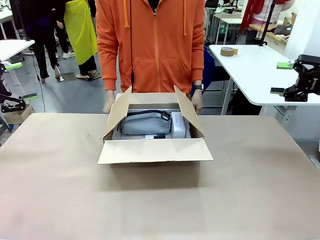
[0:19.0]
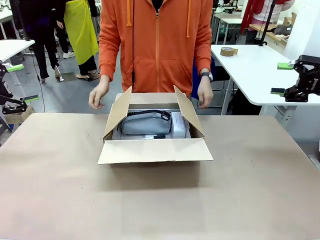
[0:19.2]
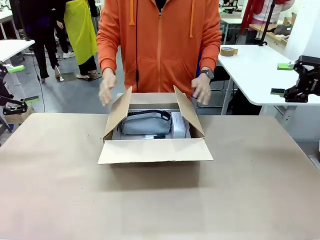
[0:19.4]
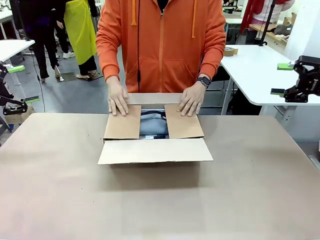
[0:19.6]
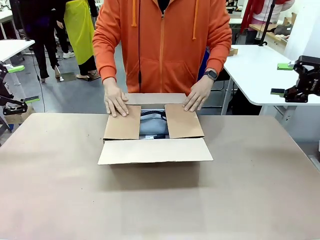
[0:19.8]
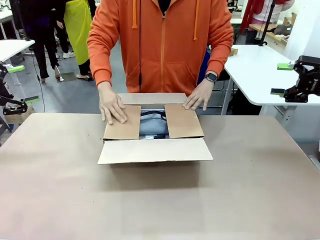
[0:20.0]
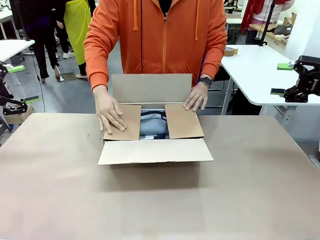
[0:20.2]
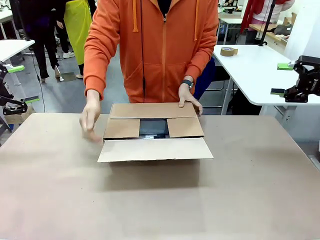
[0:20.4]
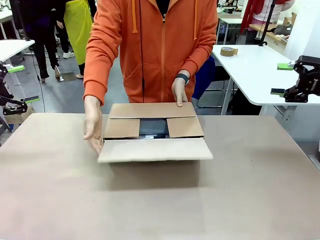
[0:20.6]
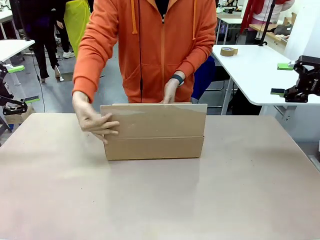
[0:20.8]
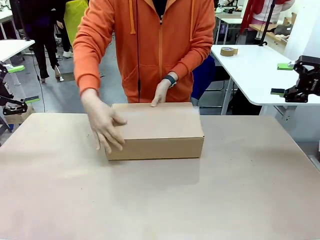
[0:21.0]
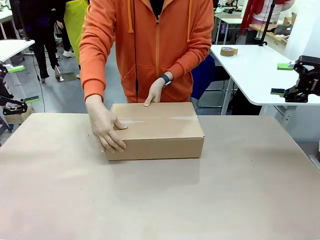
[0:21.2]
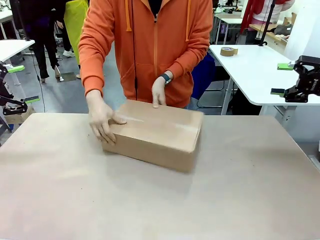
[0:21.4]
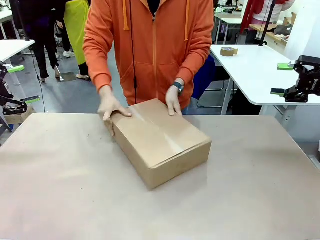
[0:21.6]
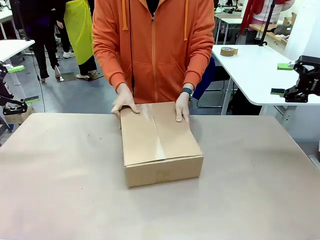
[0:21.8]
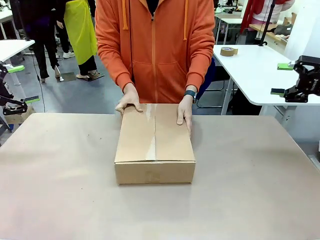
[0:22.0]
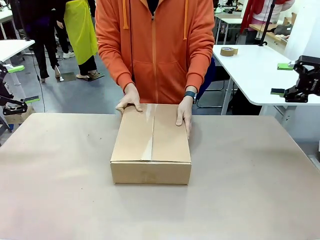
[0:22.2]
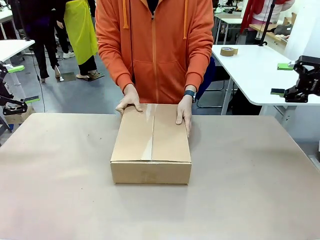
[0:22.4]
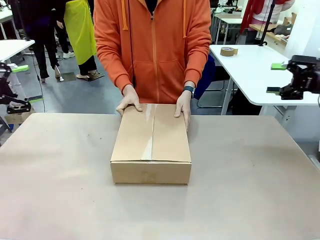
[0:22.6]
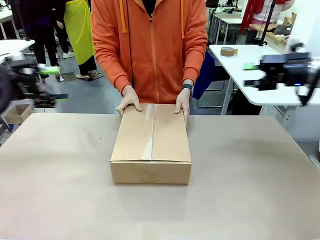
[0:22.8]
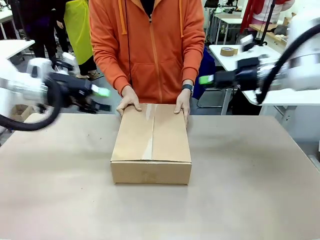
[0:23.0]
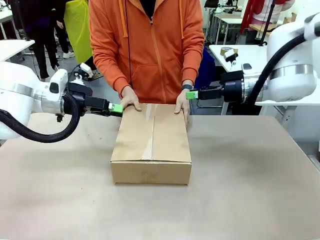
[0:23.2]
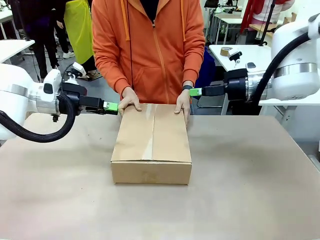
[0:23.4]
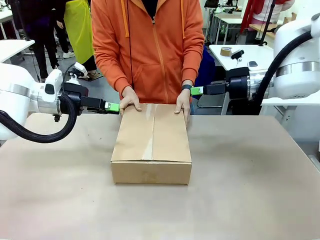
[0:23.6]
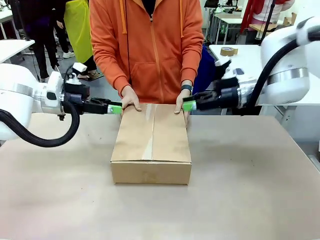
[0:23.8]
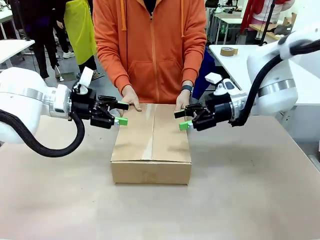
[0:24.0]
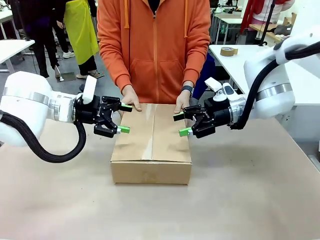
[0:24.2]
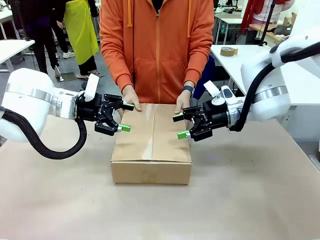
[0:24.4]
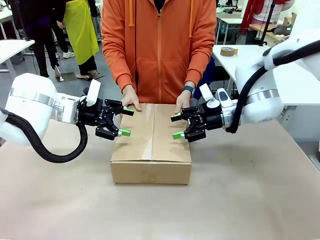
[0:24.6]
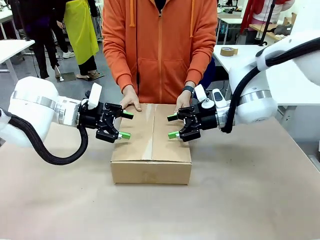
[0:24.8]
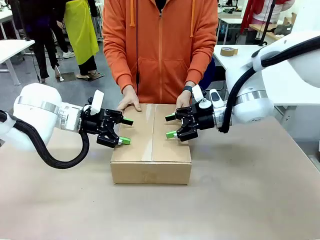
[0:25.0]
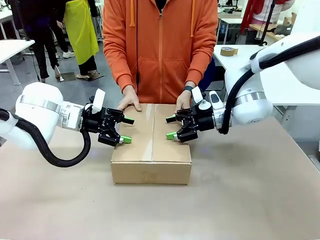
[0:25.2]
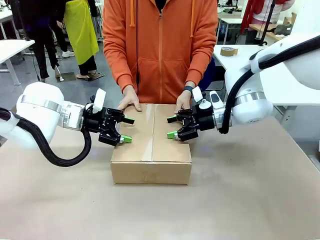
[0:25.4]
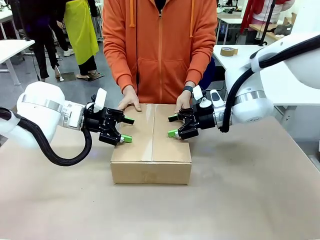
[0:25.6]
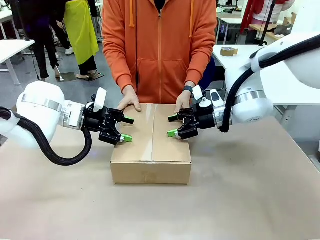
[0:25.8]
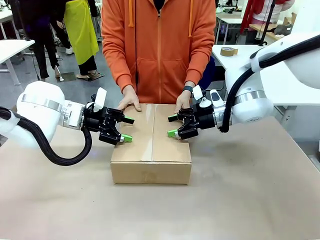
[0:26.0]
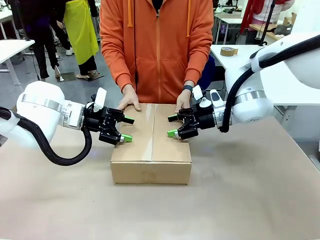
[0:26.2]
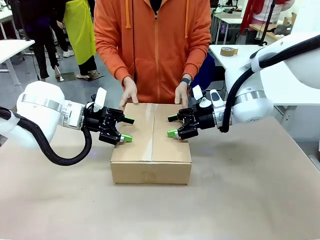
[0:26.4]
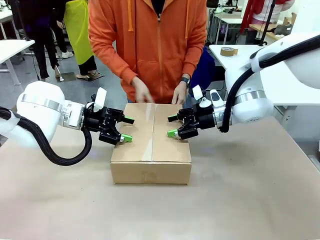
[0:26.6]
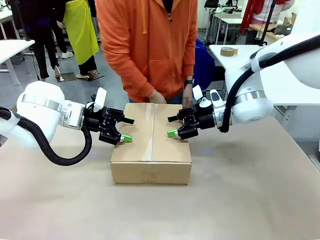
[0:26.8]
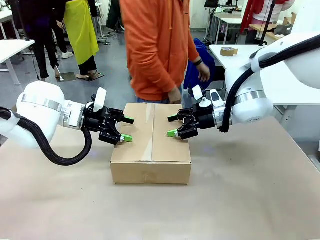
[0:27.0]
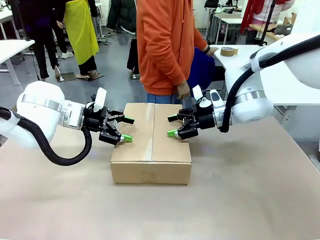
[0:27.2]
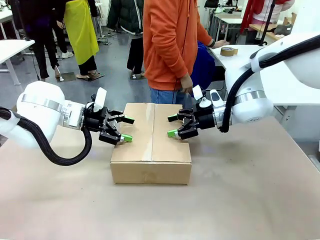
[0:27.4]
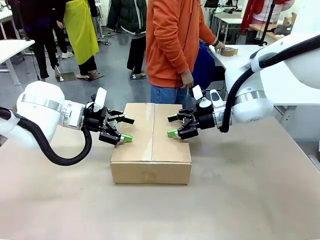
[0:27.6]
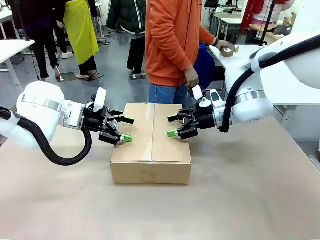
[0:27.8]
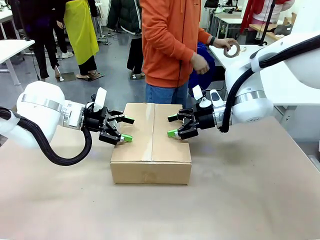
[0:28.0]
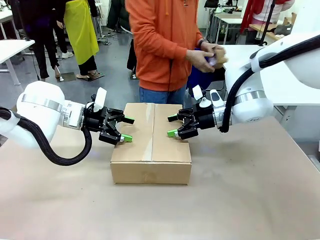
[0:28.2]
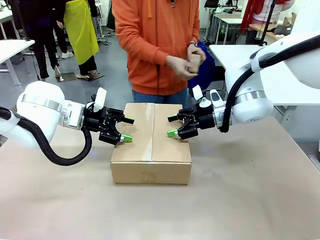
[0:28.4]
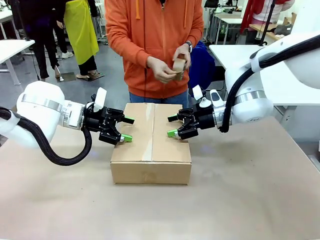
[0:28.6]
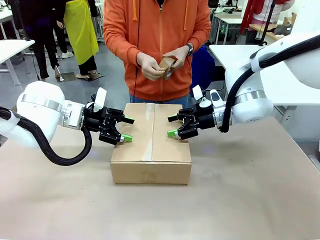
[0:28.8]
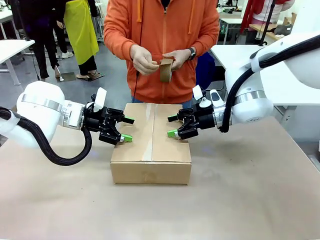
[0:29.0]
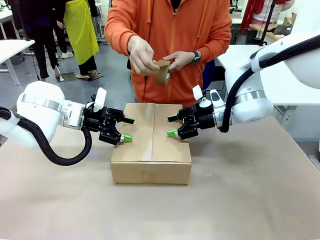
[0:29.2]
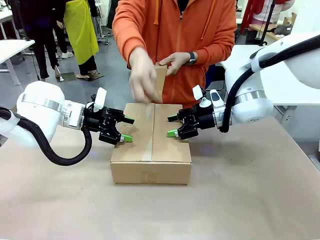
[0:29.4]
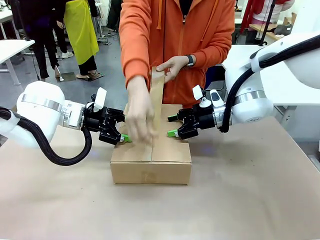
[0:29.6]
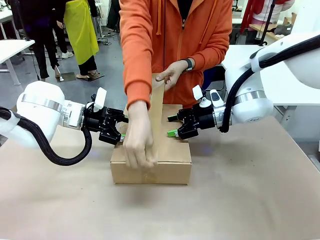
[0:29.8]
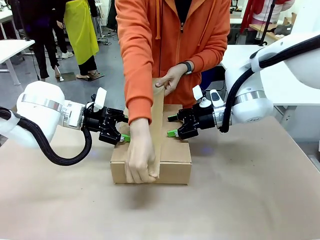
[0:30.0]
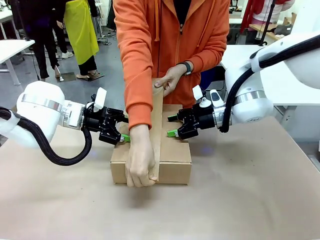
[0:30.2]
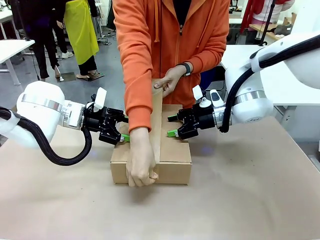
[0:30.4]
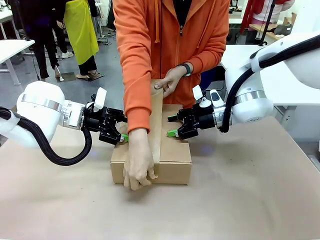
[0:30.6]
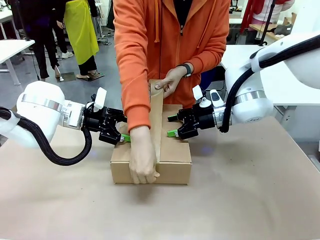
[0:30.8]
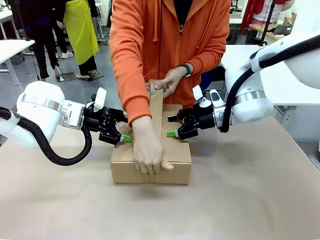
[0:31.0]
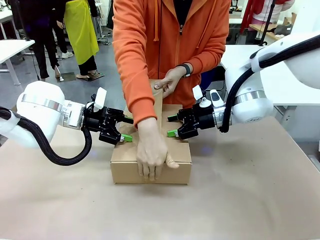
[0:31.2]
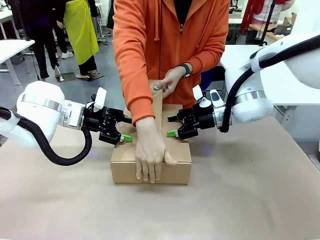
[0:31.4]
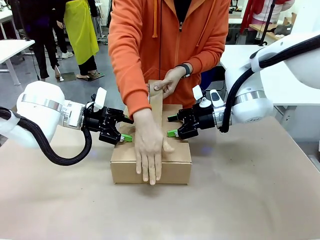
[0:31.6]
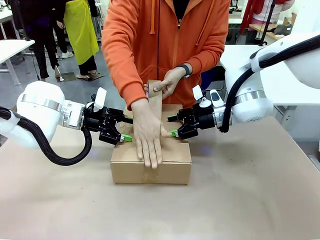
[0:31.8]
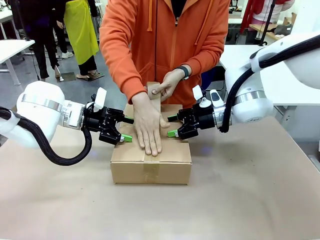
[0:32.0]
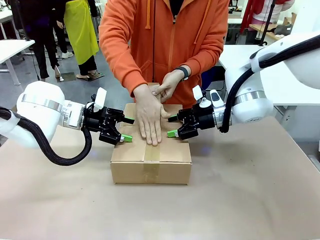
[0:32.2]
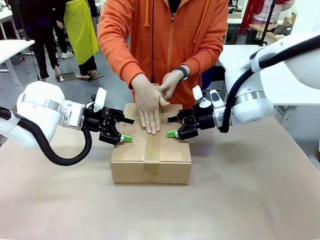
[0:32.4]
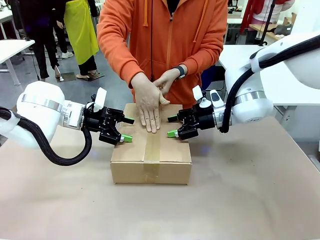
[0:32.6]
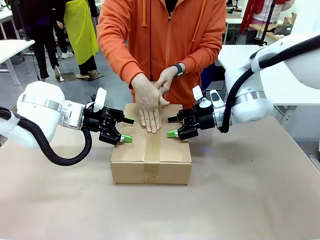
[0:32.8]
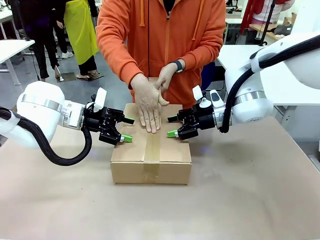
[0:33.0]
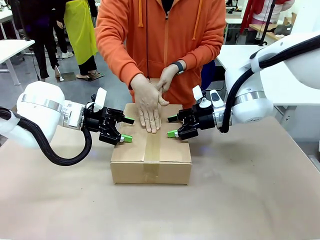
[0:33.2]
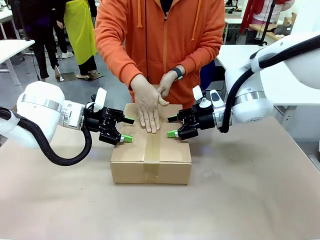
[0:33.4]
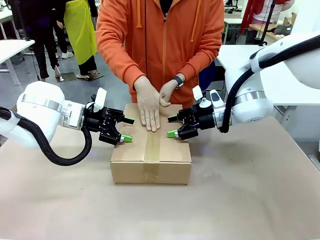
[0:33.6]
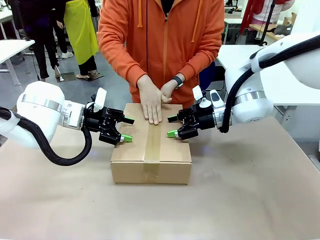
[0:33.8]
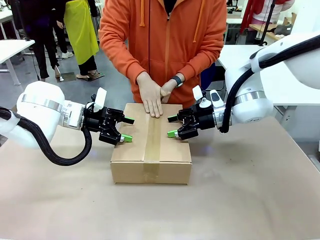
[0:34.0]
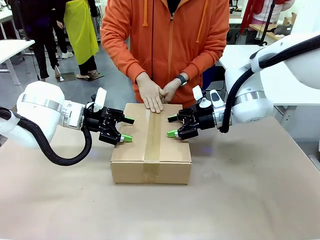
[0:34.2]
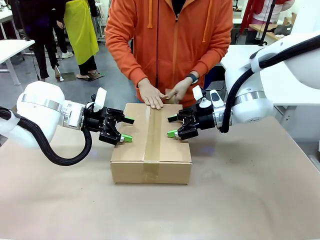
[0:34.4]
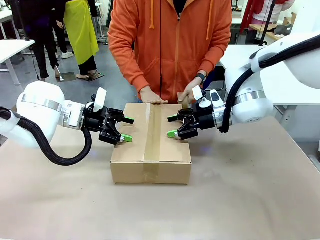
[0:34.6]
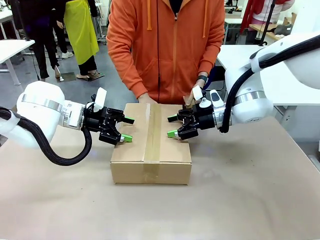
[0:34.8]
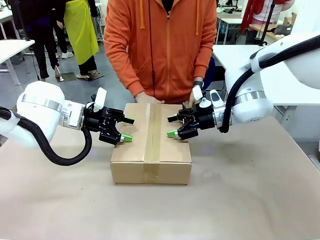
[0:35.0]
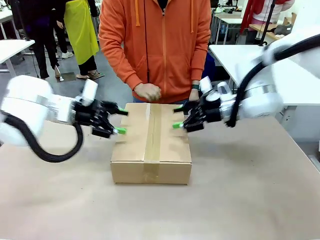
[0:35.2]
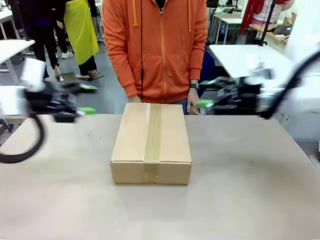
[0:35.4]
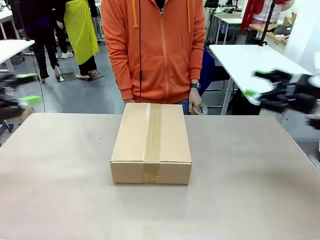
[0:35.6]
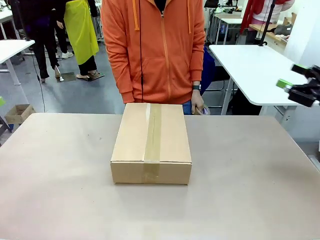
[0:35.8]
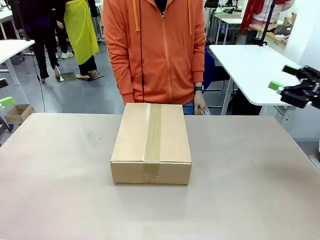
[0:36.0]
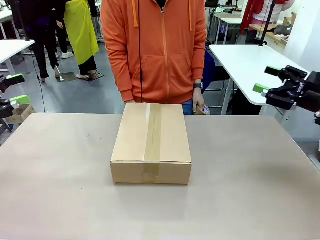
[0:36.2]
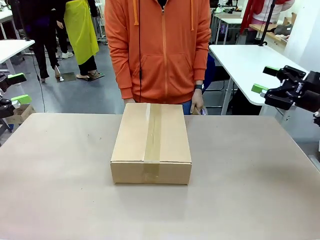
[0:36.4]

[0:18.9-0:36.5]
Task: Pack the gift set into the box.
Robot: Press and hold the closed box until the human finishes sealing it.
Person: The human closes the box and rotates the box by 90 degrees. The human picks up the paper tape from the human table and packs the box.
